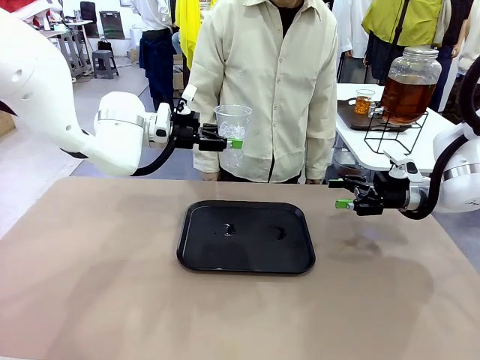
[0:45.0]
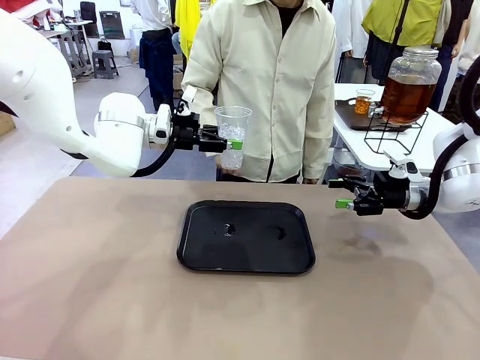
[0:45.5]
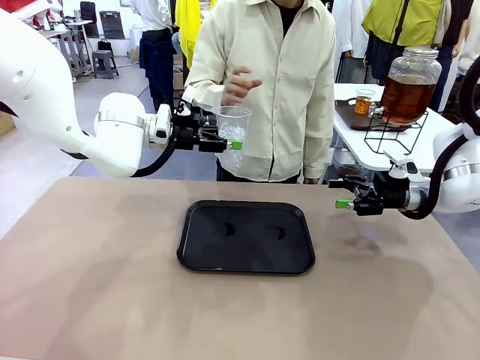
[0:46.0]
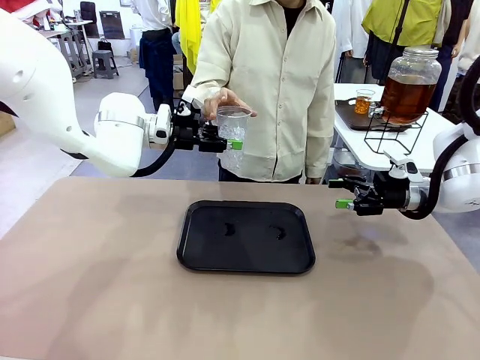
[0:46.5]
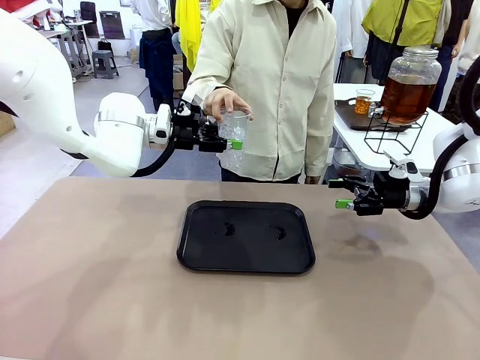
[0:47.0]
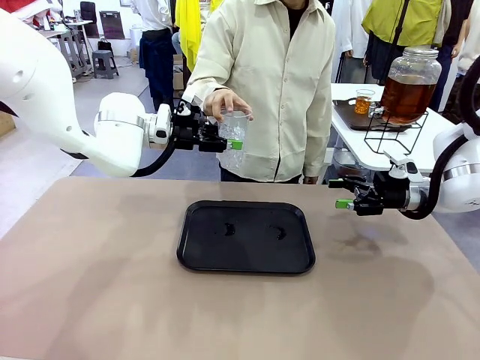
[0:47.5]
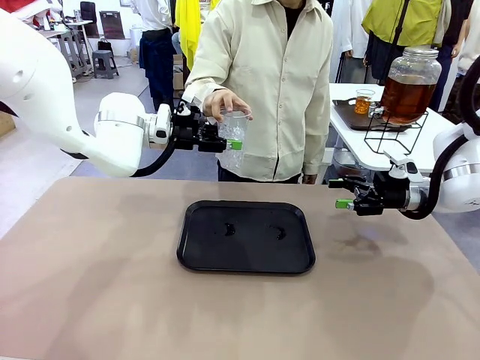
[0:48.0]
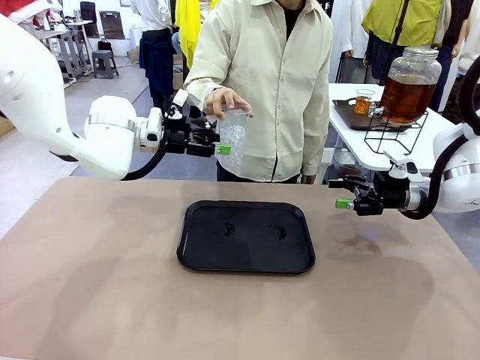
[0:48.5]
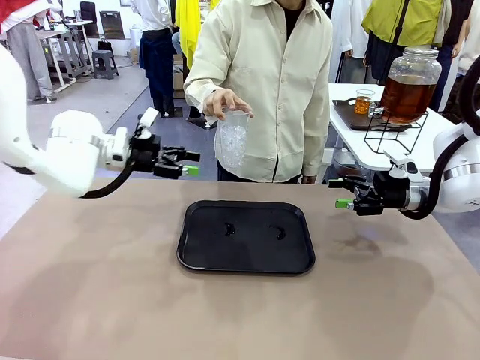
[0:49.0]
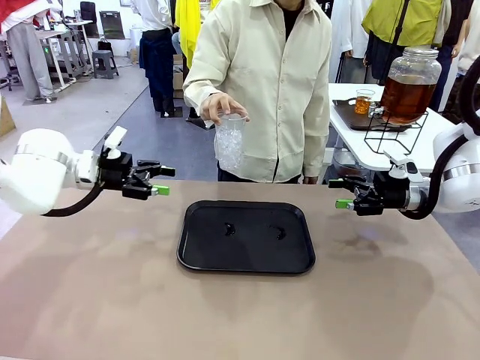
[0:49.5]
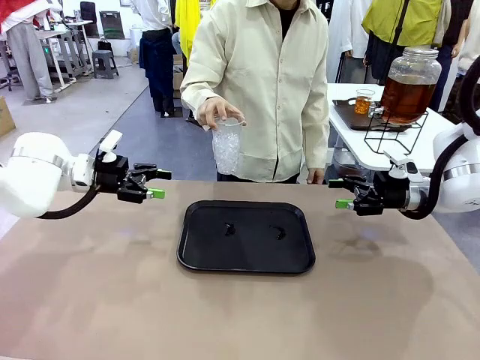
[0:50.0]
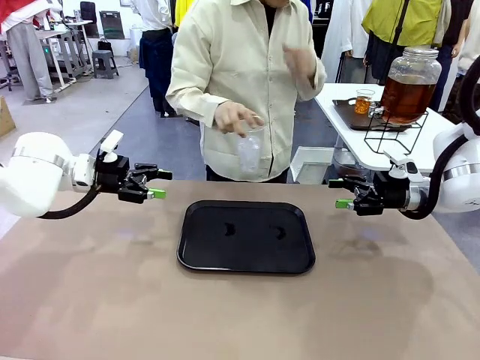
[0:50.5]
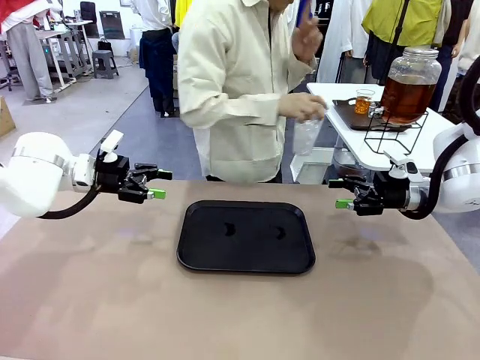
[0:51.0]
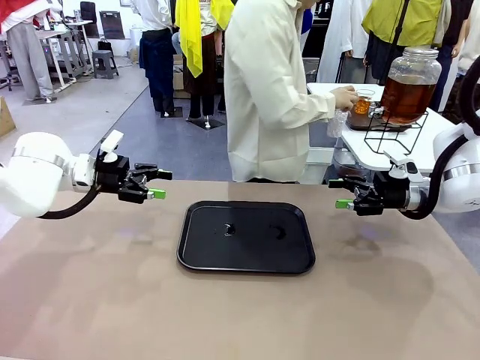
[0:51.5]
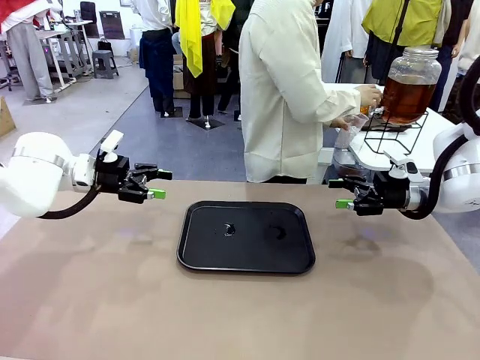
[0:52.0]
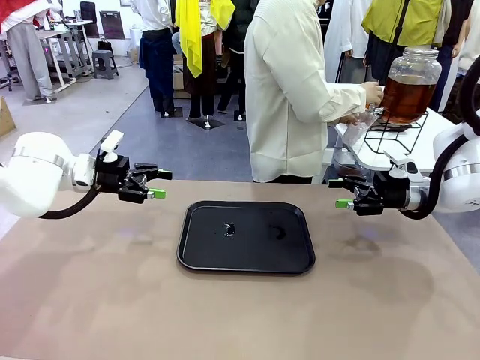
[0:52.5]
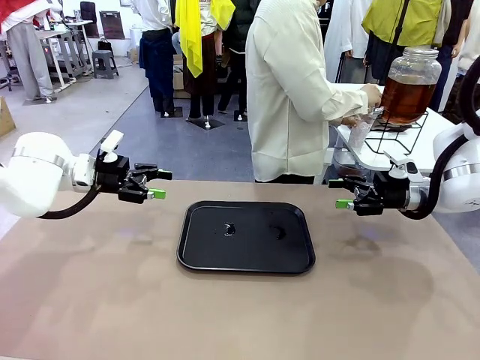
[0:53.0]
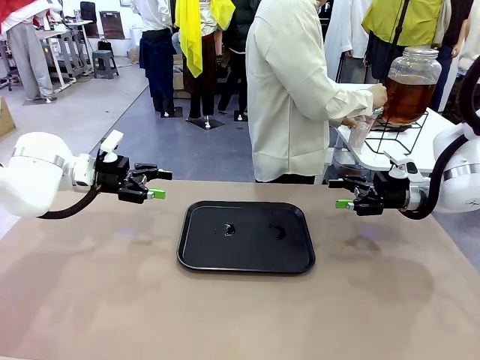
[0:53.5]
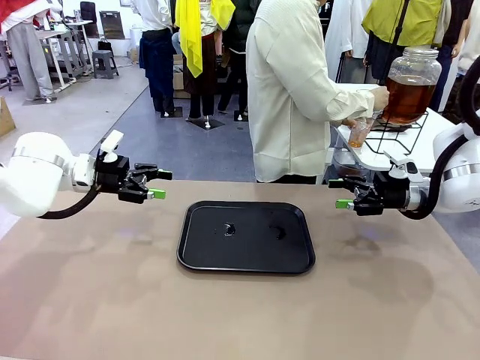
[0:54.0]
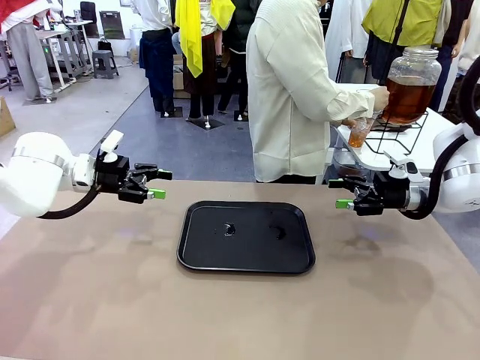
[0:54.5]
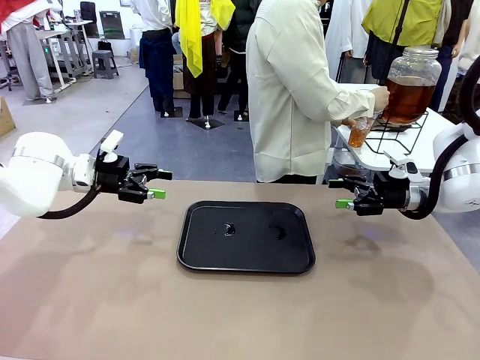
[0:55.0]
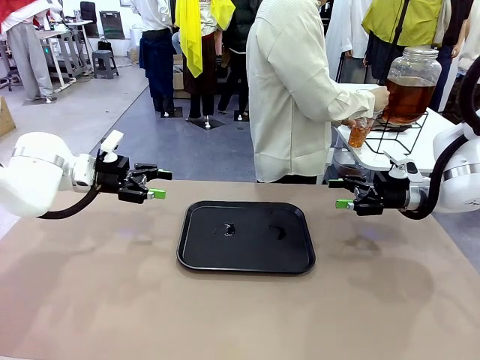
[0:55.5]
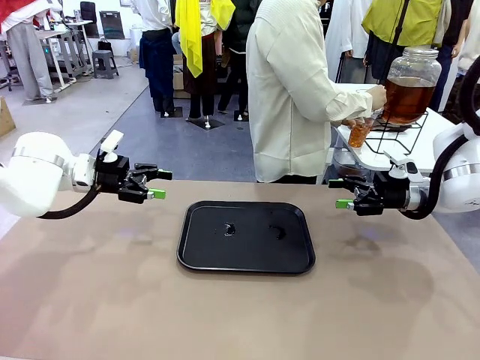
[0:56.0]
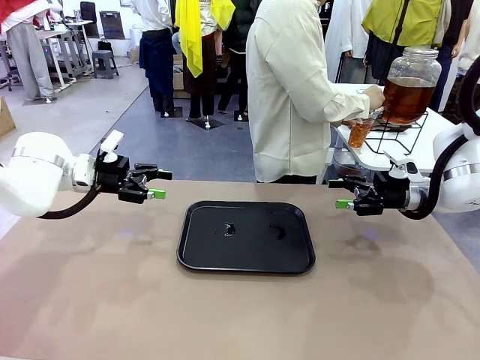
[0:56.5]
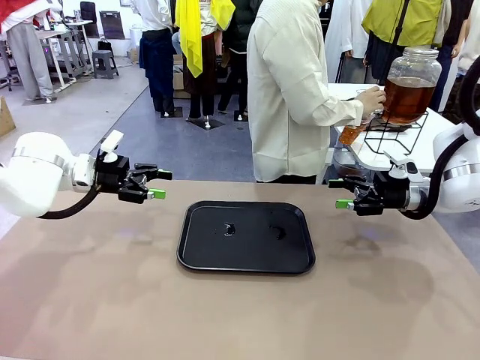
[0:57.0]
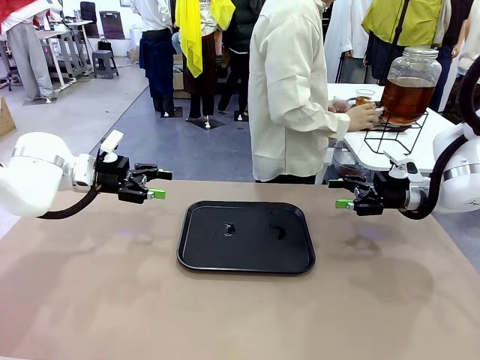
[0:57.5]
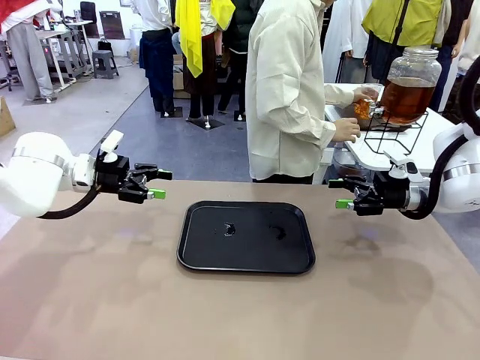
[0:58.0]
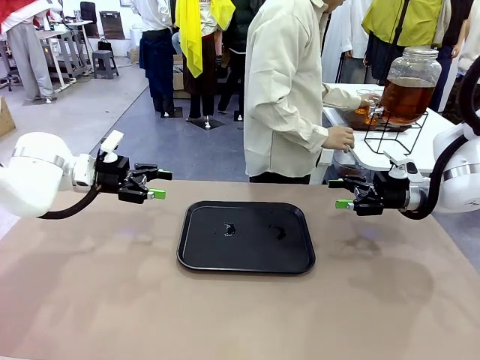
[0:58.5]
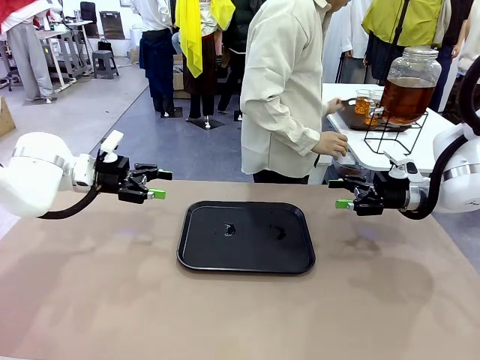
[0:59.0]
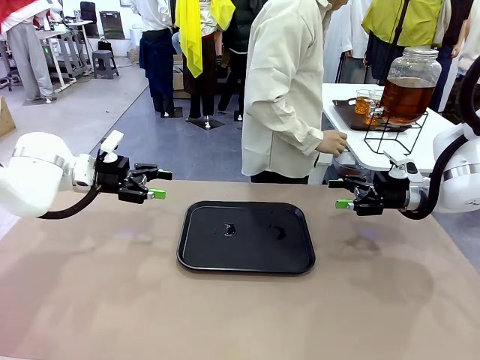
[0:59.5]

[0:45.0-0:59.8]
Task: Pour the drink into the iced cup.
Robot: Open the gripper to release the iced cup you were holding.
Person: Move the picked-up cup under the dispenser faucet, pour the drink, and place it on the tray on the human table.
